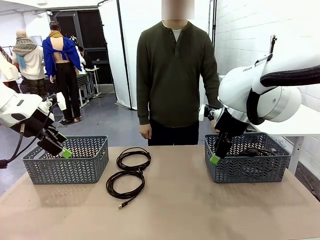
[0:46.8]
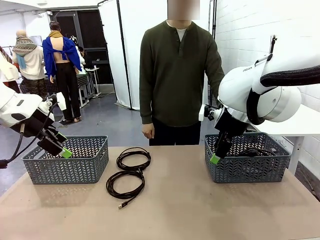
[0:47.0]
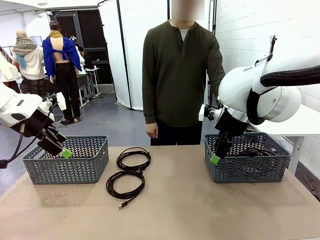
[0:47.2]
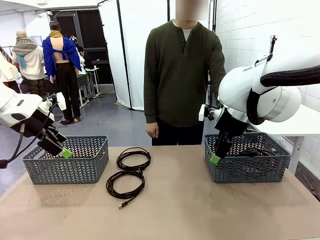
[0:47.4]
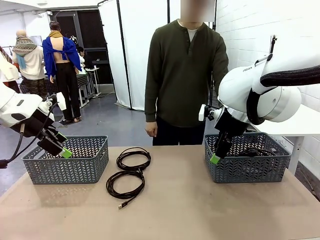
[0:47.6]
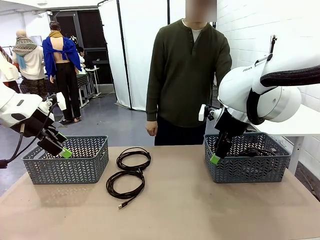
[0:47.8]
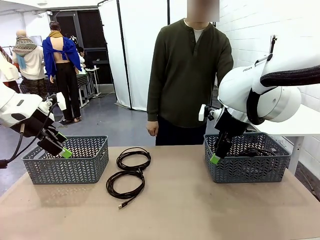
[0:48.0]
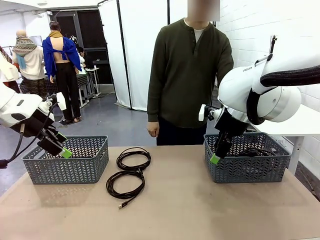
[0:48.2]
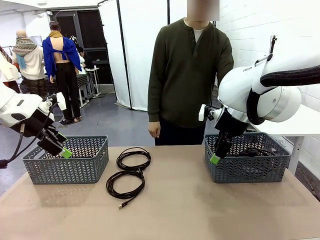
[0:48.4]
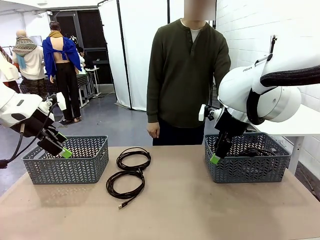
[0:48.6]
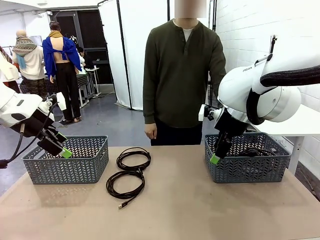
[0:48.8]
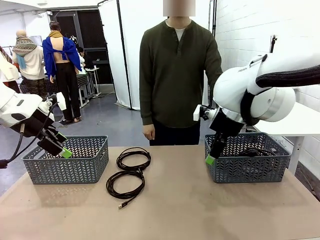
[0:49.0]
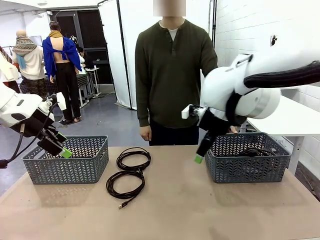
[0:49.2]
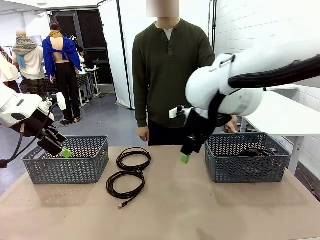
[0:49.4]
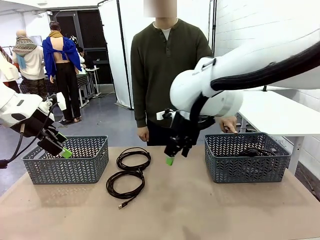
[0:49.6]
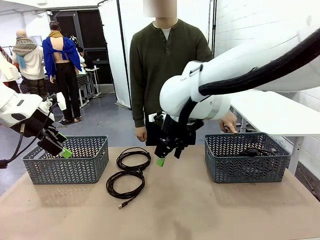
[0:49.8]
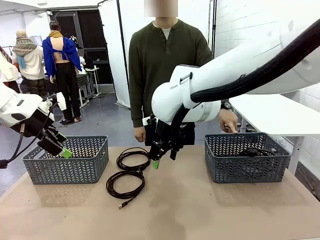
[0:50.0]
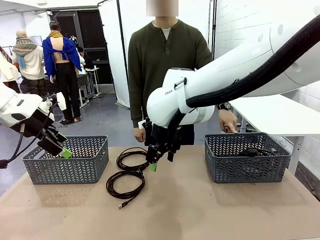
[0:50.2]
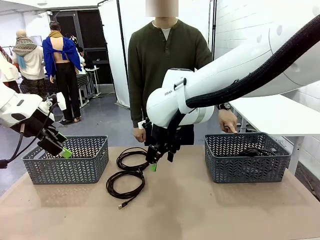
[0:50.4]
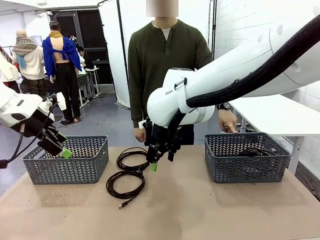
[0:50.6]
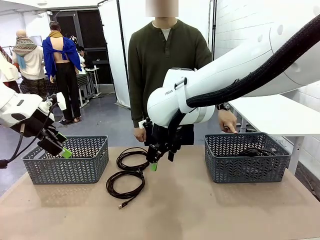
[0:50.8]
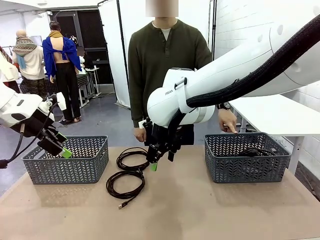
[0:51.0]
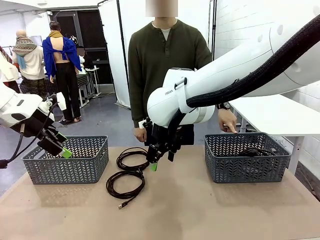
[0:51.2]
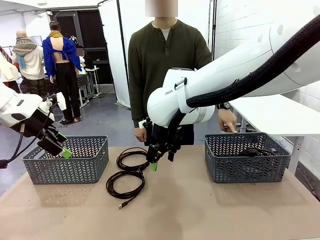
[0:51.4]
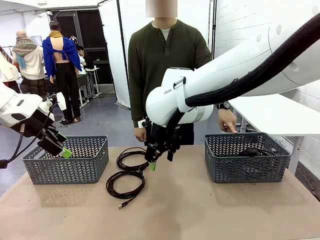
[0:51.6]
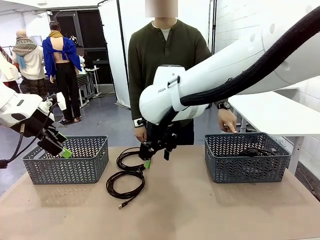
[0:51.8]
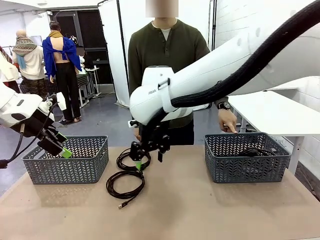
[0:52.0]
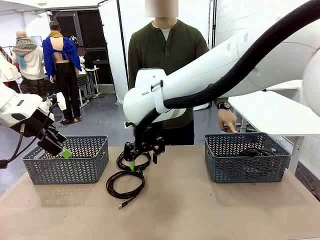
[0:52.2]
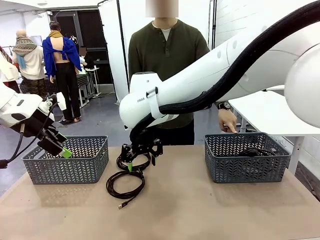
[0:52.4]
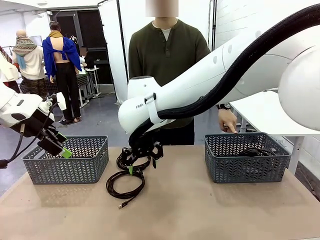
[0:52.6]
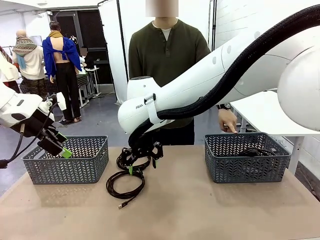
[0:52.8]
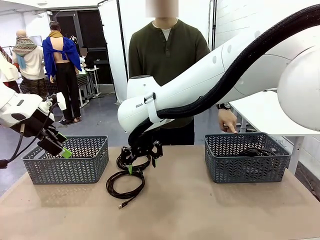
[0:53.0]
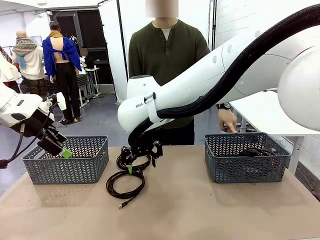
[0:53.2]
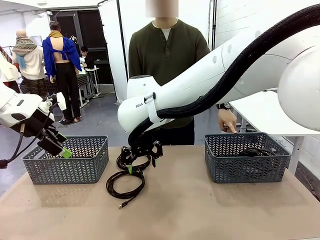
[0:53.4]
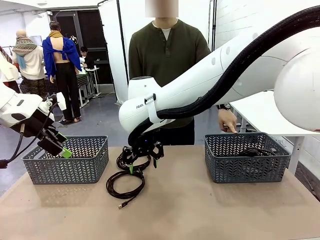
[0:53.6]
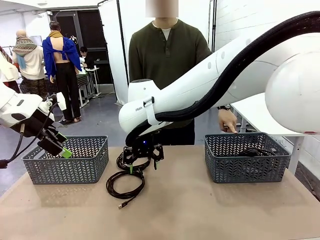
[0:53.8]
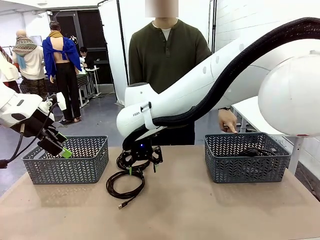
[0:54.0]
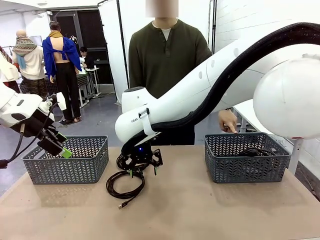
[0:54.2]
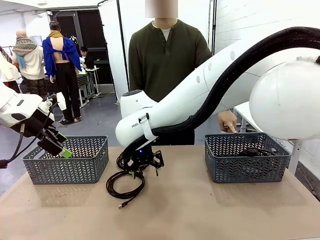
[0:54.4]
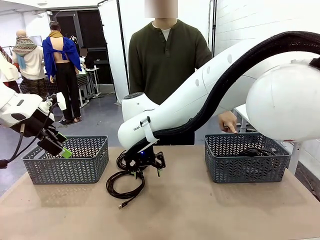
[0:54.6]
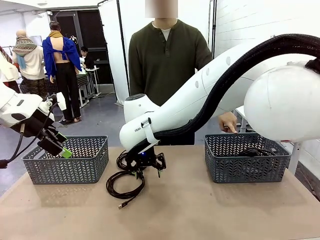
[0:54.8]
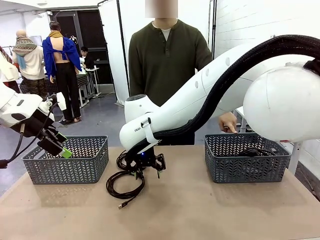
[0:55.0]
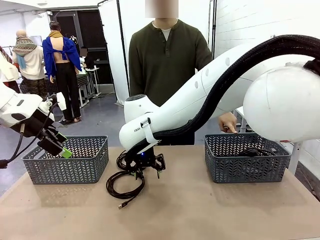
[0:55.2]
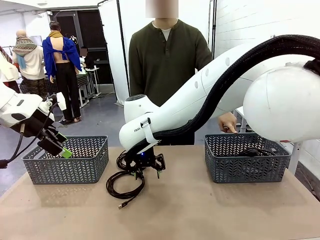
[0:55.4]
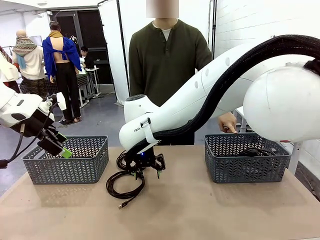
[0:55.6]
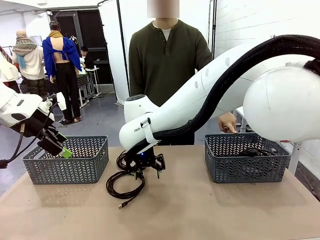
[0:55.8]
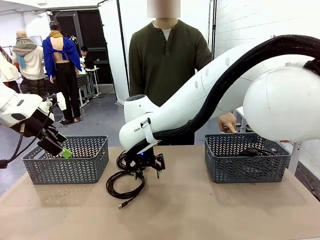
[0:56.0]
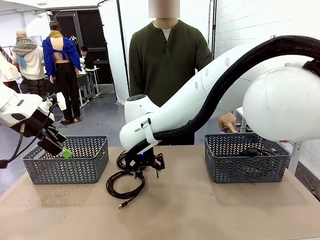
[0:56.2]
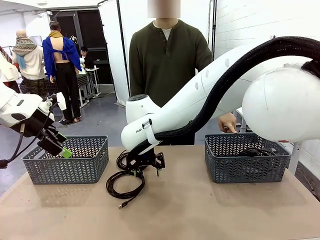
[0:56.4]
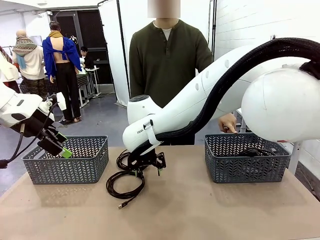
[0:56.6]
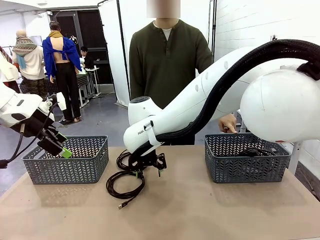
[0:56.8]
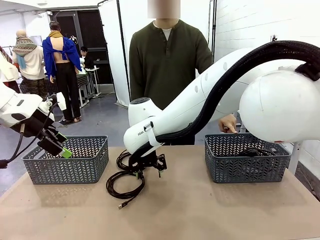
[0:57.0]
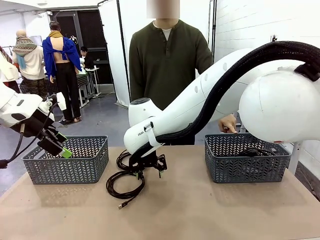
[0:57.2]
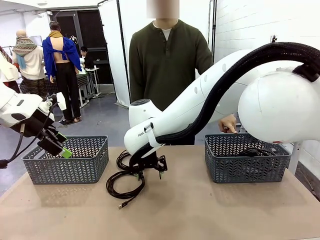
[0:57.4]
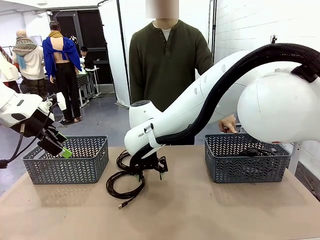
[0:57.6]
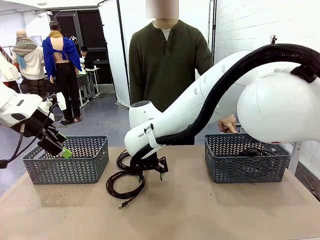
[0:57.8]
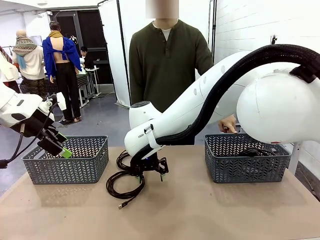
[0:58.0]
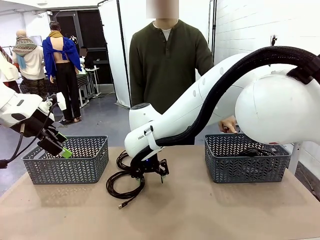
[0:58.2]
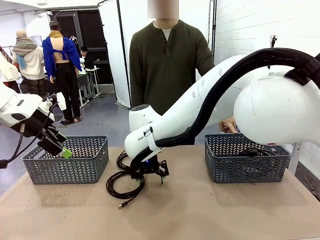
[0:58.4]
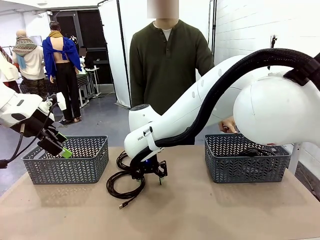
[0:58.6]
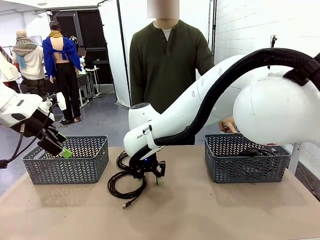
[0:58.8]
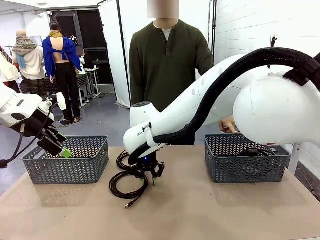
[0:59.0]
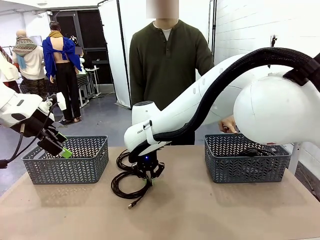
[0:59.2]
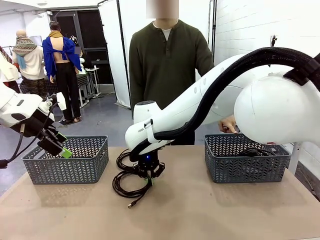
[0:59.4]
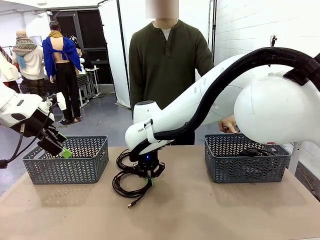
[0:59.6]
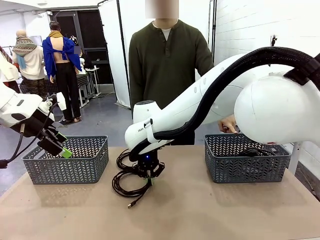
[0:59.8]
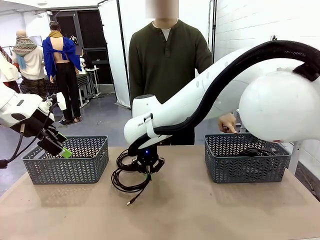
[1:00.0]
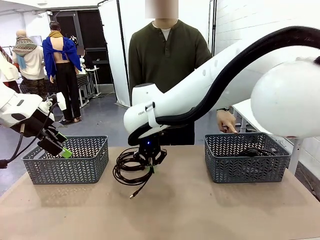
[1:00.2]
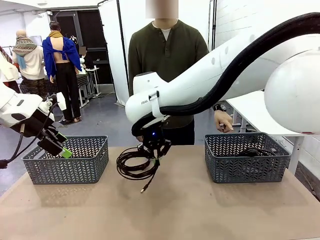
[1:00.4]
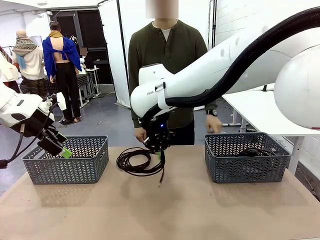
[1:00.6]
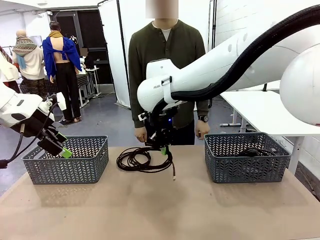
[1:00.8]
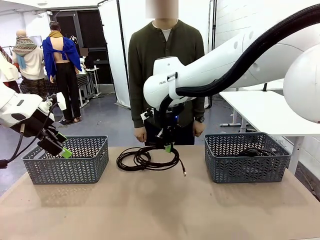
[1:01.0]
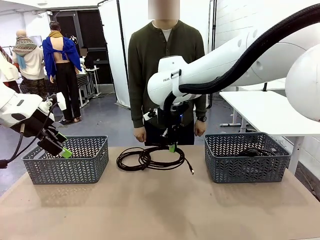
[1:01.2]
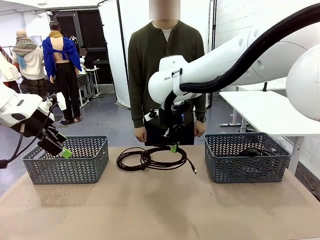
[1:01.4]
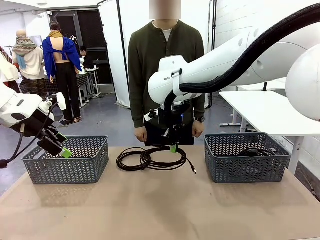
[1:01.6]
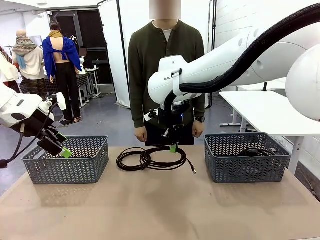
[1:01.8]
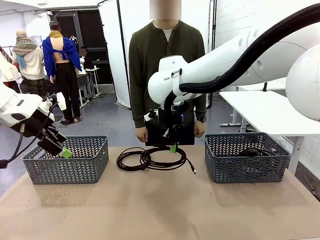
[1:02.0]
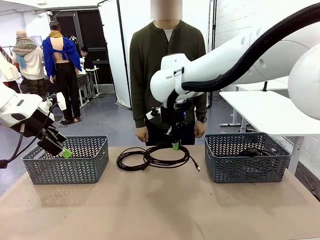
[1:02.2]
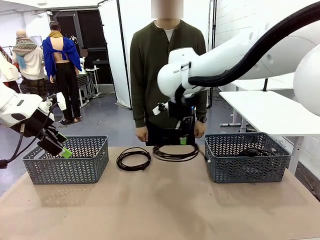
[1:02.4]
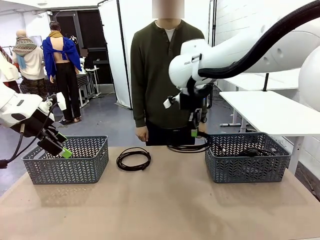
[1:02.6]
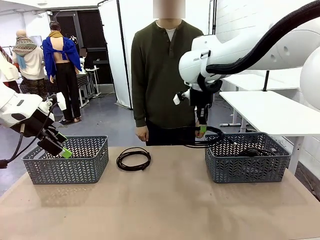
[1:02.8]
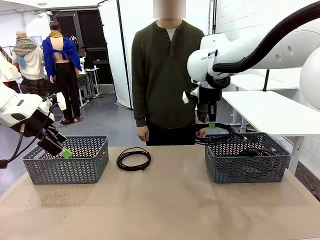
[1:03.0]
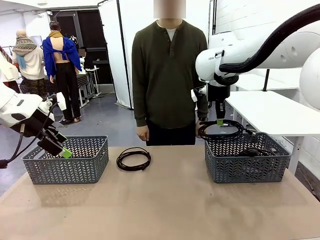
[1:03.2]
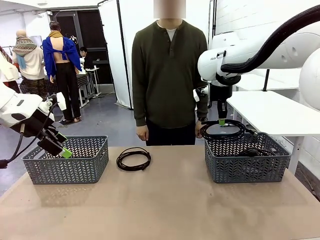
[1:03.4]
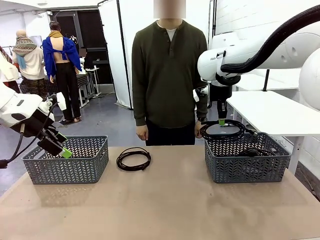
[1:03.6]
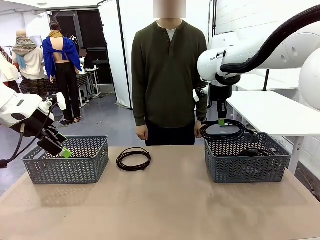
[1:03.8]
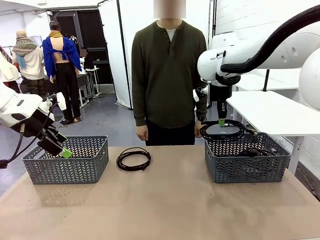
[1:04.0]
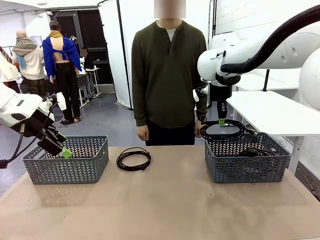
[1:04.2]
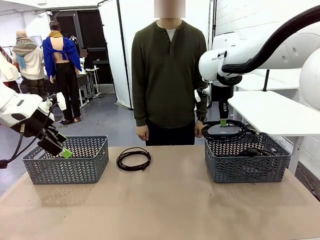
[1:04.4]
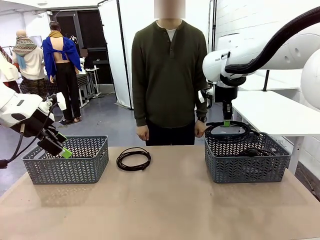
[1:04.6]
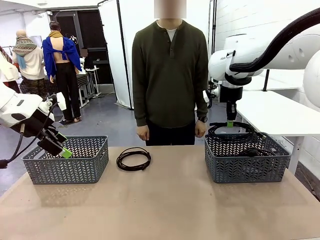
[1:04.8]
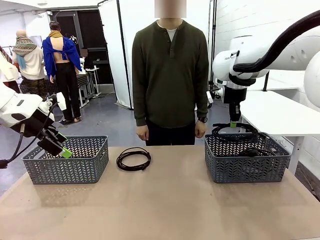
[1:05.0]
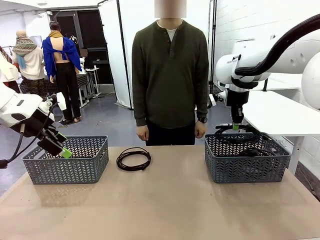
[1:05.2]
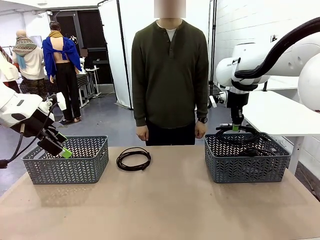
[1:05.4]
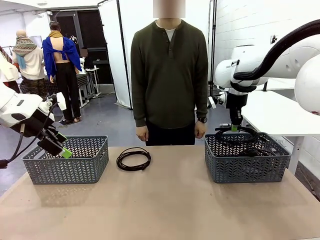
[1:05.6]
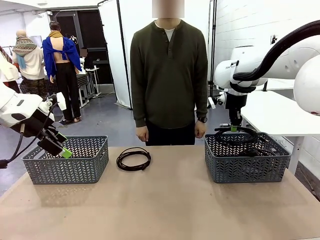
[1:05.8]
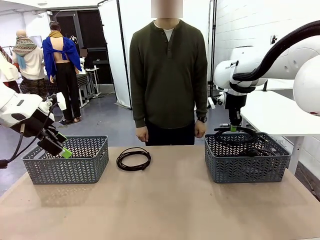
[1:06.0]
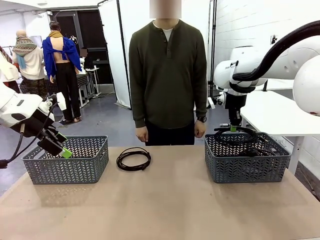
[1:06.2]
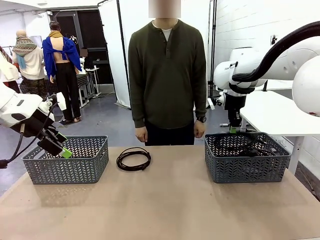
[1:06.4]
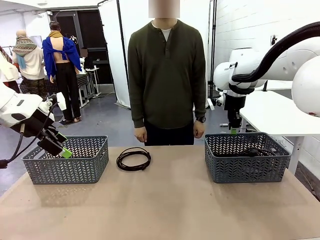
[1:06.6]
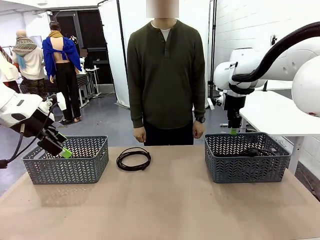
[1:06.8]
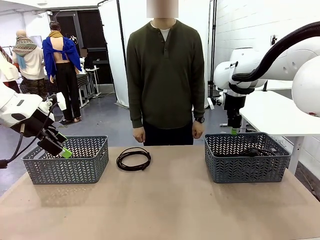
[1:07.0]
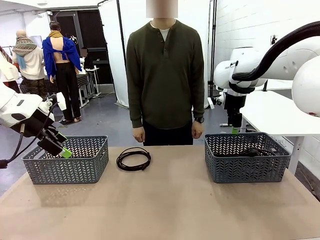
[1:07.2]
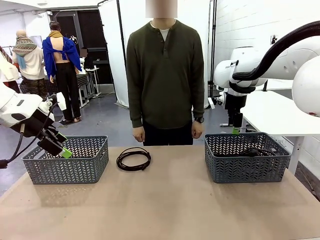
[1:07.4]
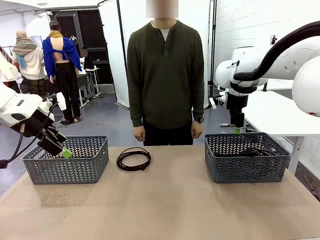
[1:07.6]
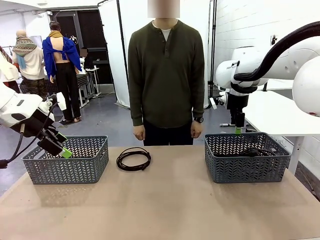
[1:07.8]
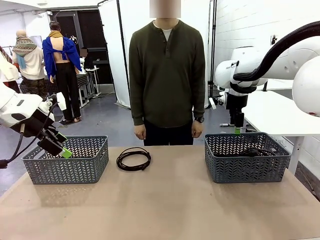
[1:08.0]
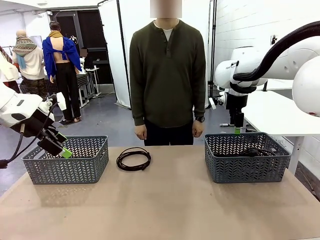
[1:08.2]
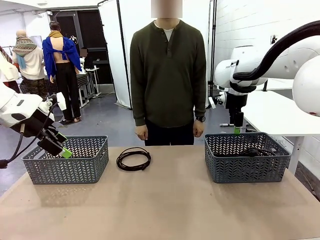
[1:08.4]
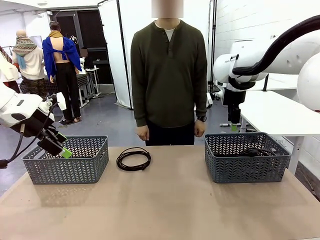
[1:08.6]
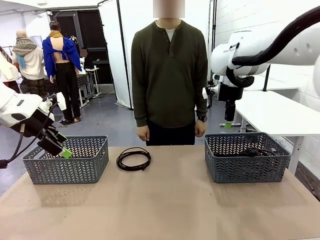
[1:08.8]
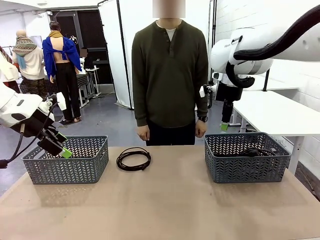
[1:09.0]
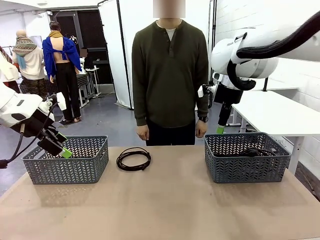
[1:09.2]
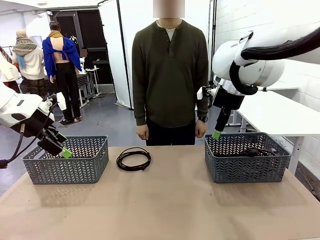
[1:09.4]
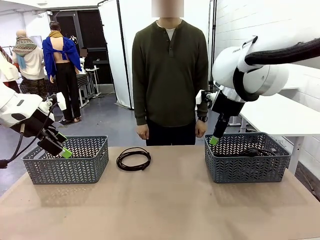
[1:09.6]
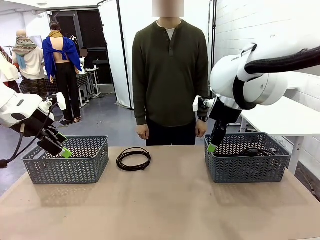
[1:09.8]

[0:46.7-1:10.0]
Task: Organize the cables according to human instructions.
Robot: Pick up a bundle of cables and place it in the basket indicated by the human.
